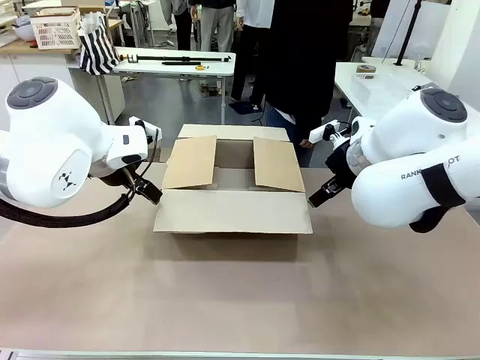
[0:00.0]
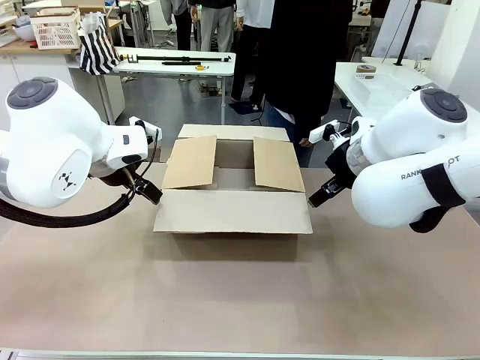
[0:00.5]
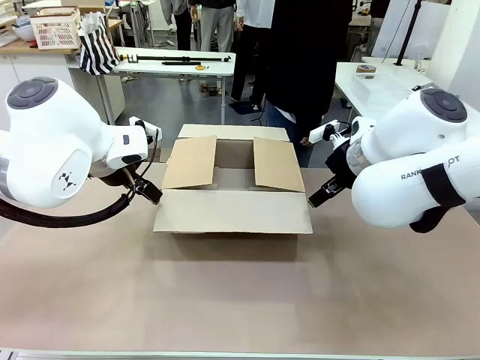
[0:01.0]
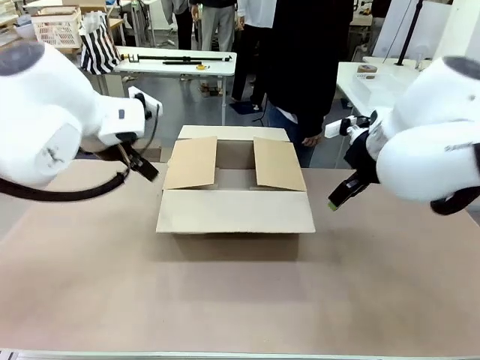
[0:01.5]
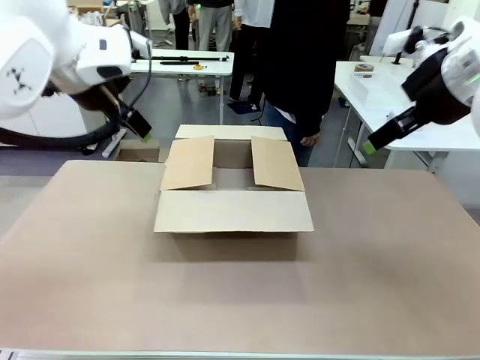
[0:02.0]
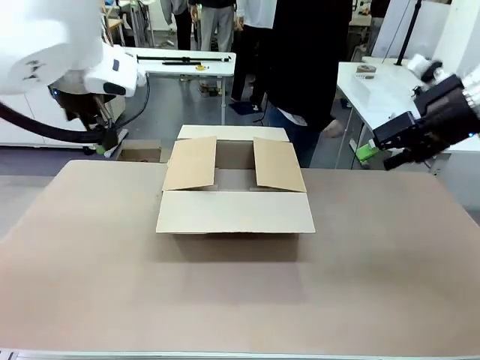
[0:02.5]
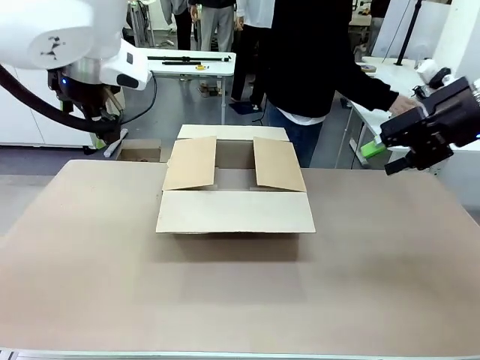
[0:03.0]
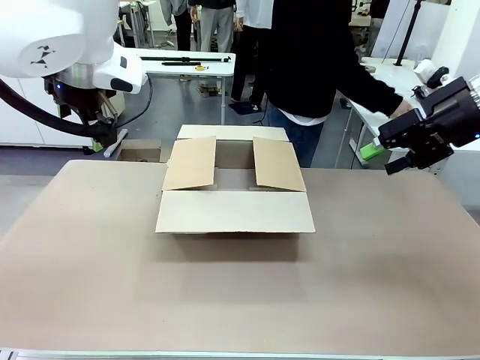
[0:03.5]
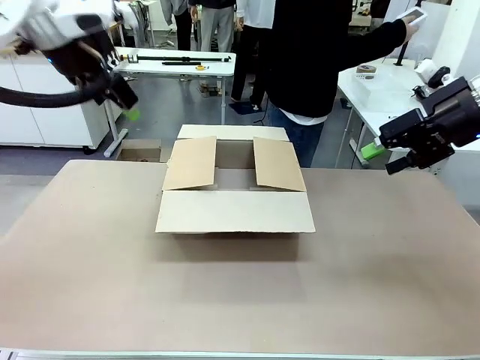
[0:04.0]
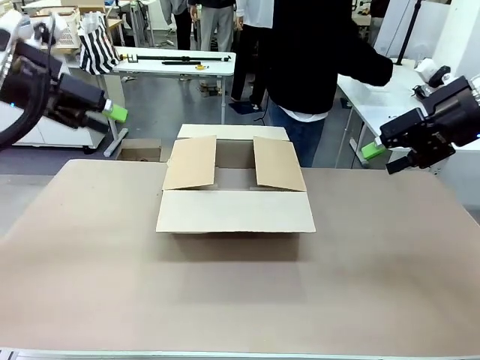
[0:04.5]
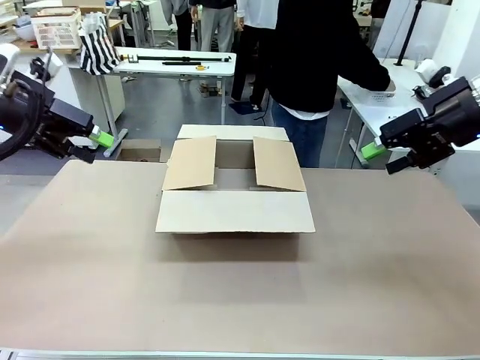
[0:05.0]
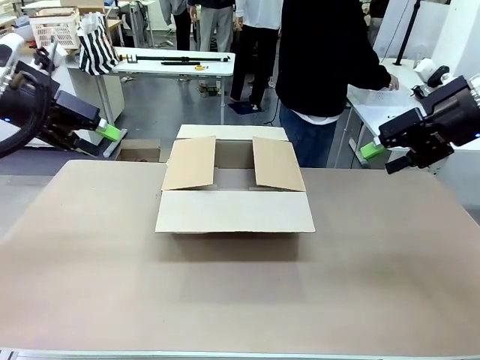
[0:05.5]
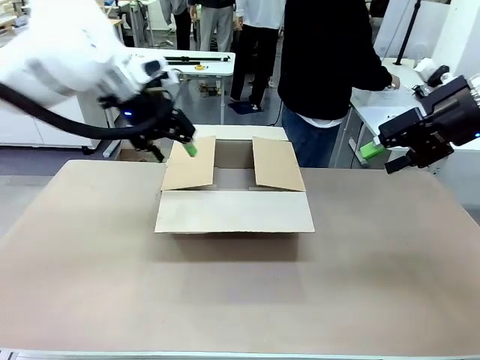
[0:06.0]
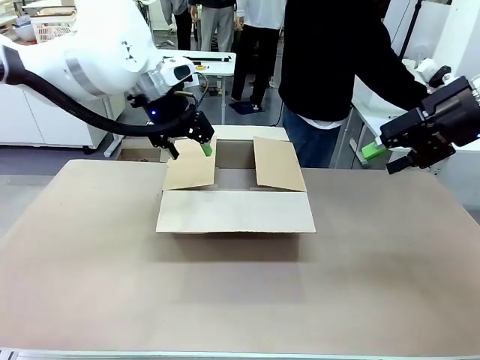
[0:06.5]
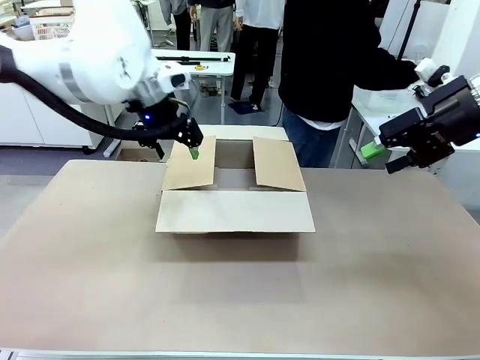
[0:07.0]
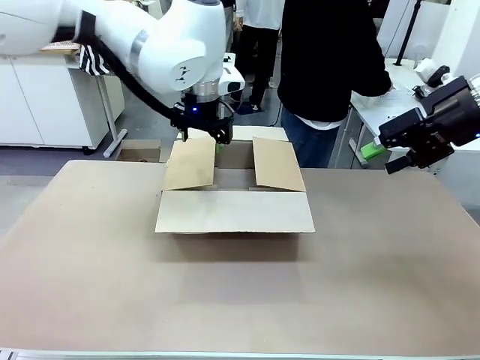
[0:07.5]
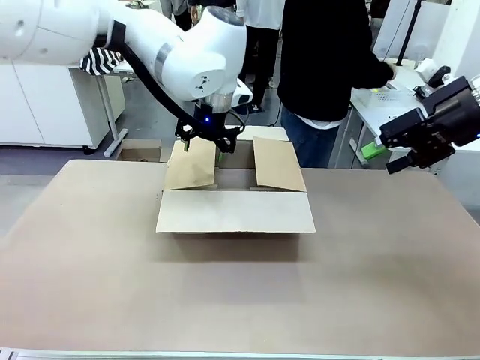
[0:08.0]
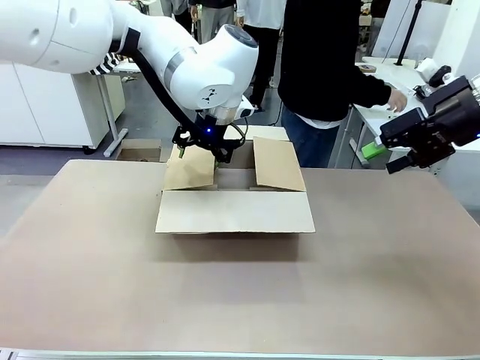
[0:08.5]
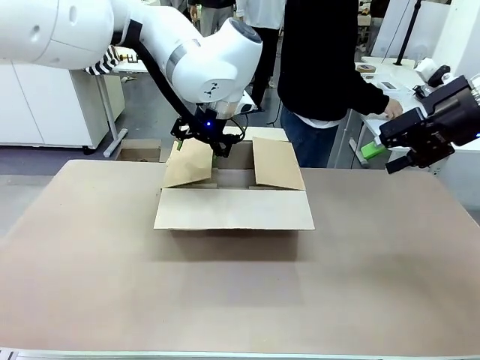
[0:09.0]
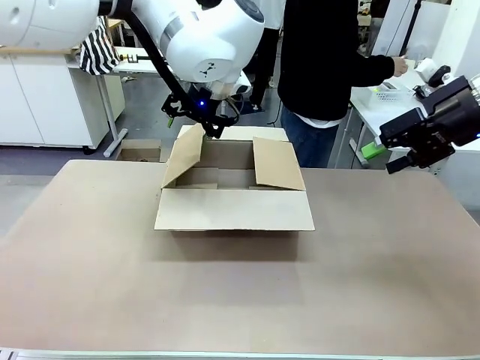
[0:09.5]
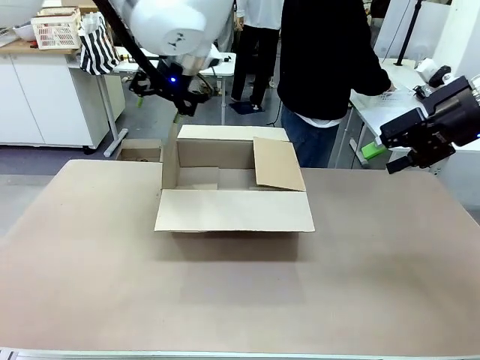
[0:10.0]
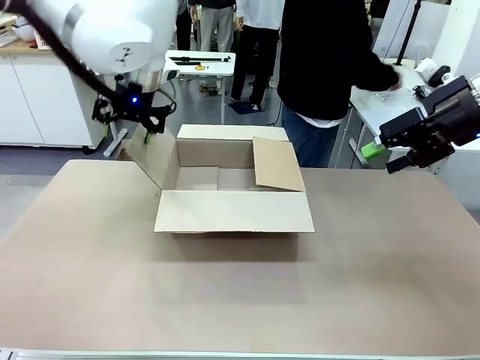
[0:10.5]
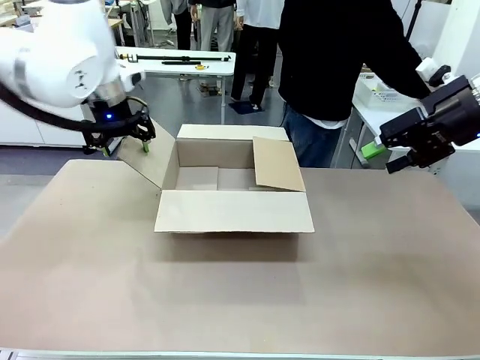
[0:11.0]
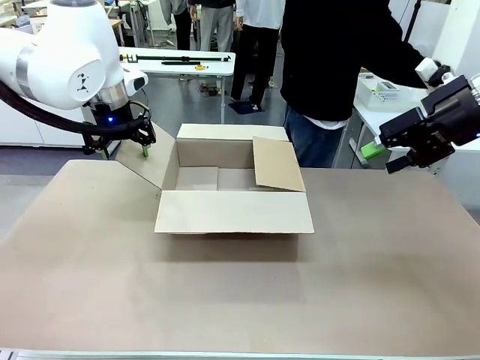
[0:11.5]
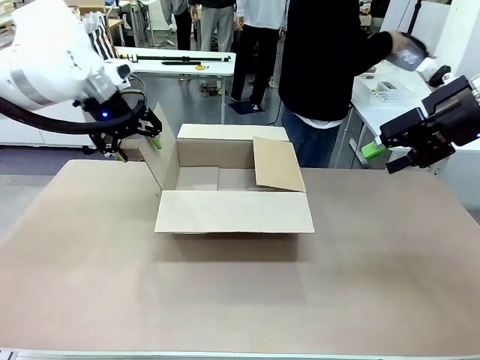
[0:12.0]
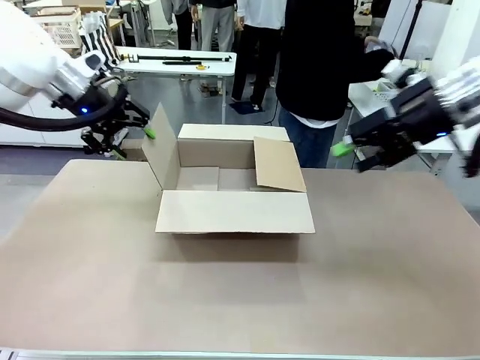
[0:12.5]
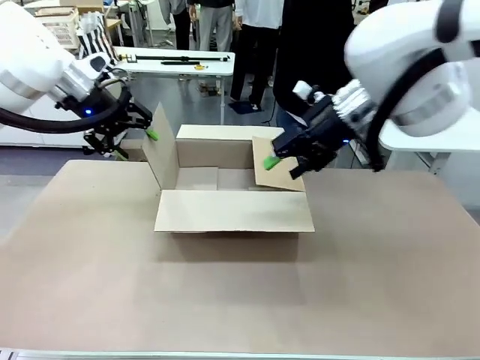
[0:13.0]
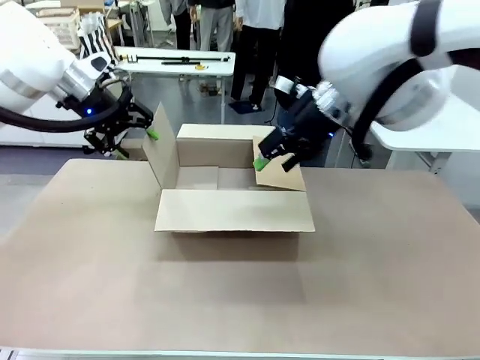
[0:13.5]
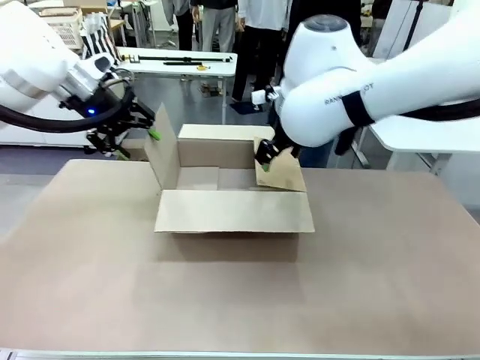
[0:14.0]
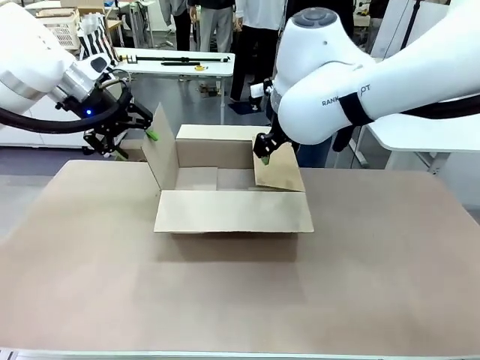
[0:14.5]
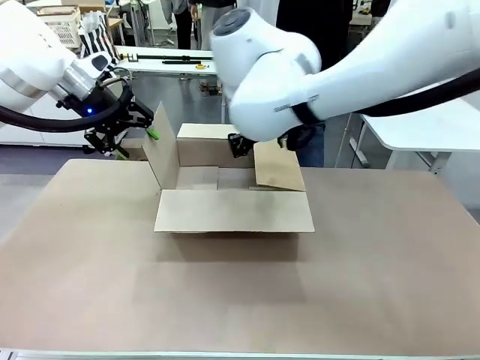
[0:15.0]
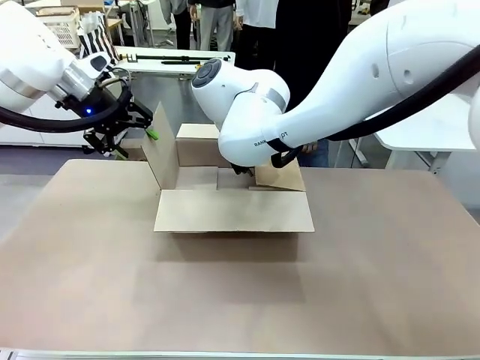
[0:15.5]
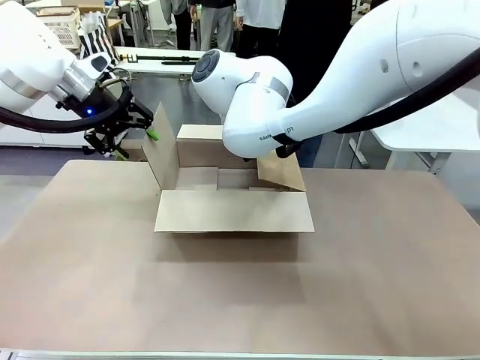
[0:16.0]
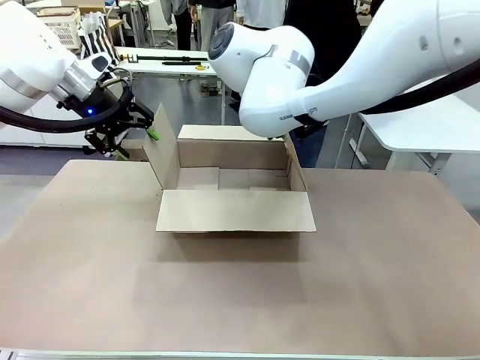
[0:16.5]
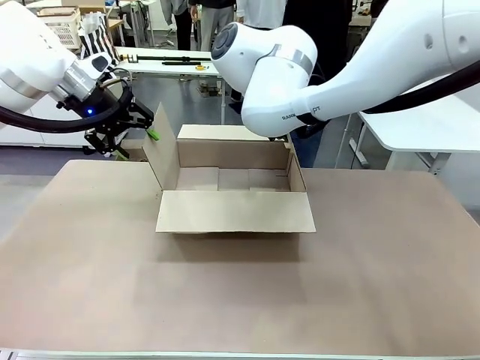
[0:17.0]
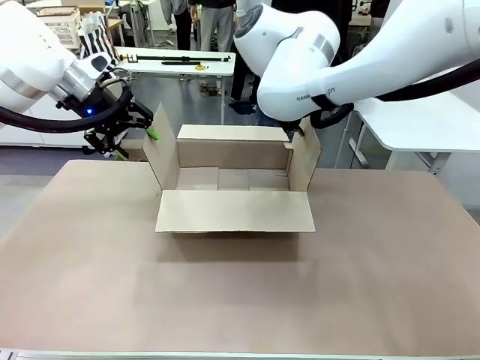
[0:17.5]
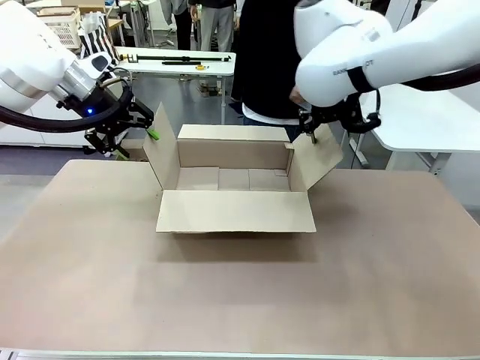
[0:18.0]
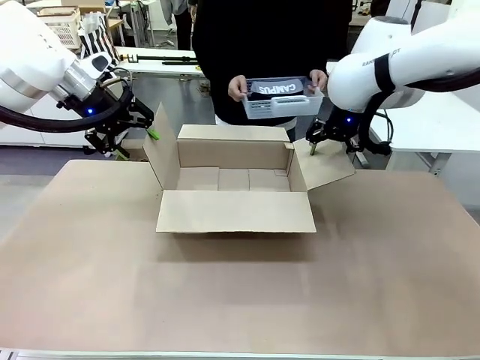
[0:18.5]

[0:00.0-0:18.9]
Task: Pack the gift set into the box.
Robot: Place both hands on the side flaps of the Package Box and spread them outward.
Person: The human places all items except the paper tape into the organizing basket. The human picks up the organizing basket and places the organizing basket into the package box on the robot table.

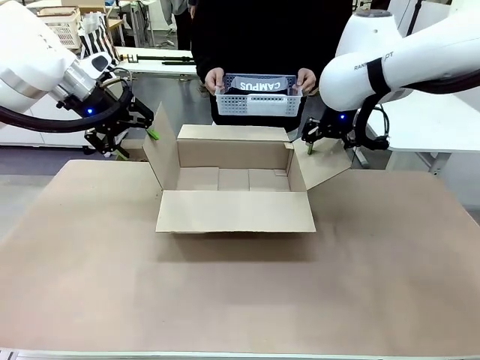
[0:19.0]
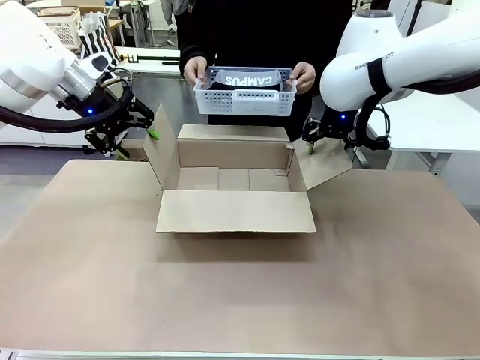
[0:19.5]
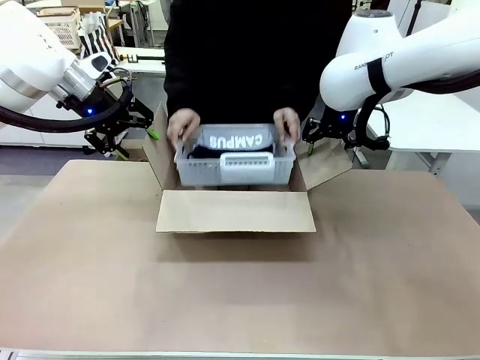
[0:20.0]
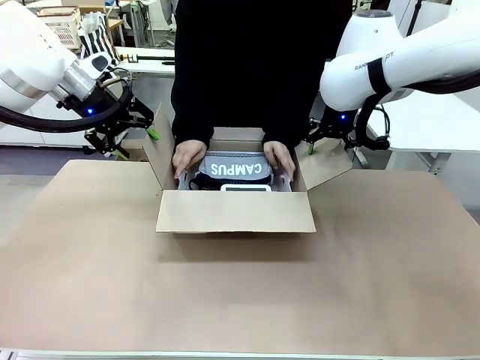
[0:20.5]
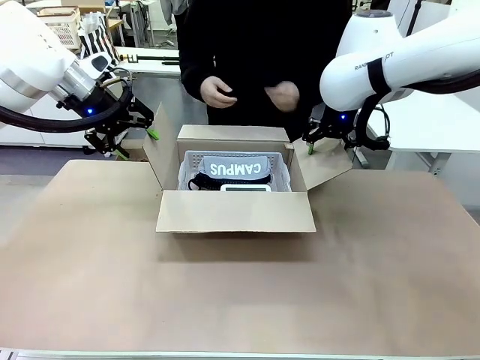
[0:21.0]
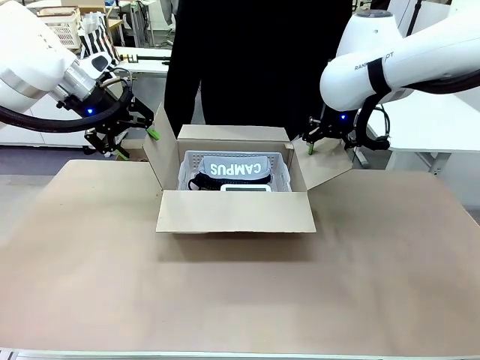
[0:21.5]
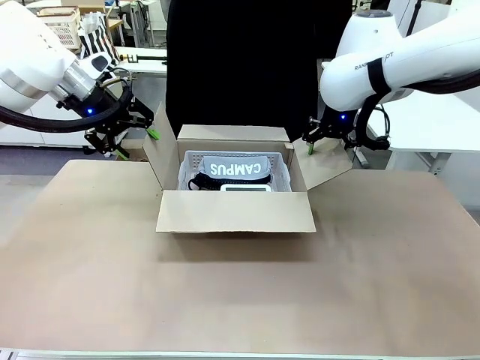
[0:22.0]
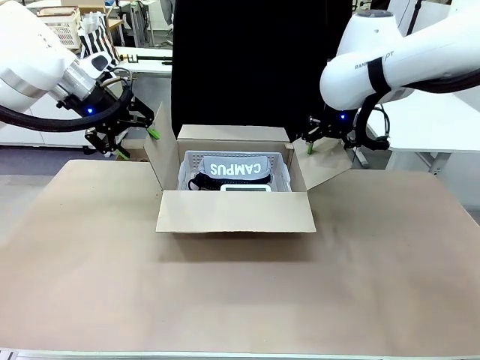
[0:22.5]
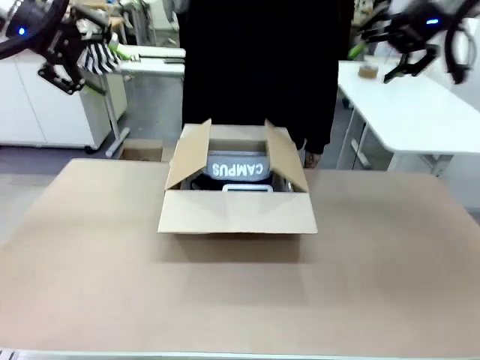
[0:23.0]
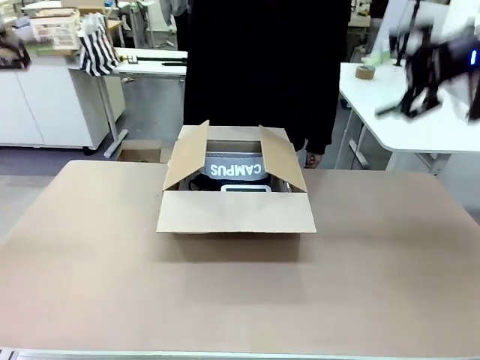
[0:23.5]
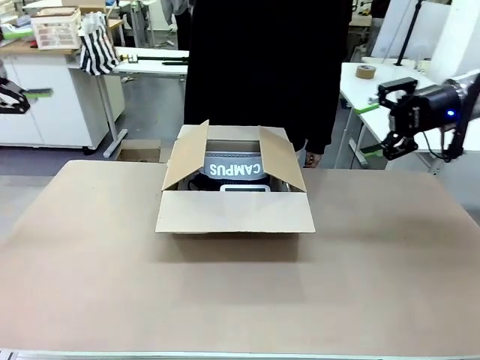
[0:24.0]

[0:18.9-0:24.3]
Robot: Lift both hands away from the flaps of the Package Box.
